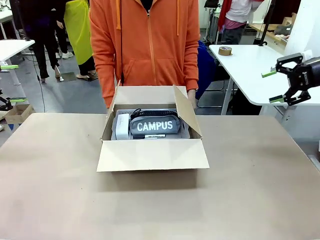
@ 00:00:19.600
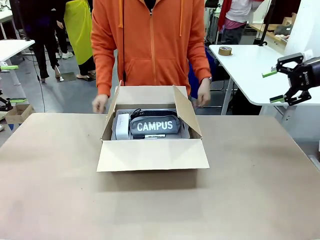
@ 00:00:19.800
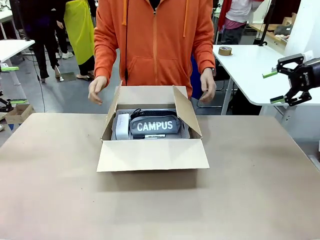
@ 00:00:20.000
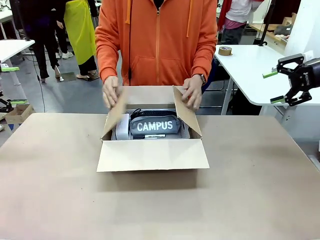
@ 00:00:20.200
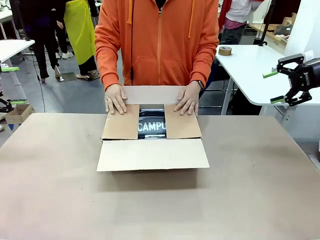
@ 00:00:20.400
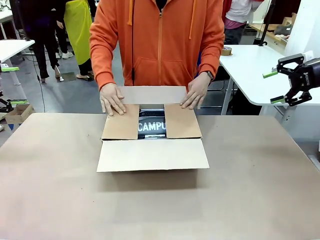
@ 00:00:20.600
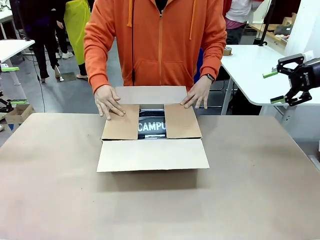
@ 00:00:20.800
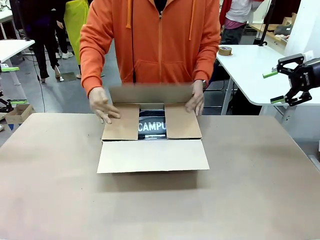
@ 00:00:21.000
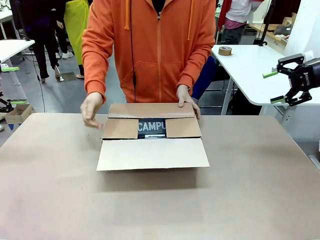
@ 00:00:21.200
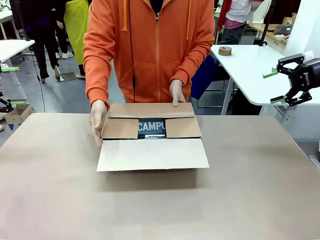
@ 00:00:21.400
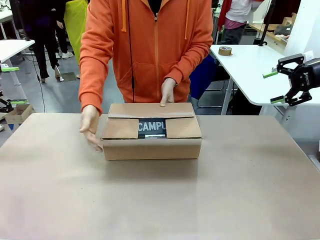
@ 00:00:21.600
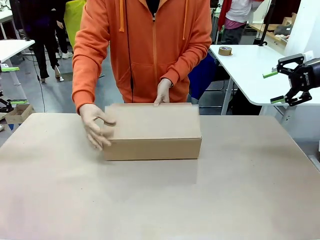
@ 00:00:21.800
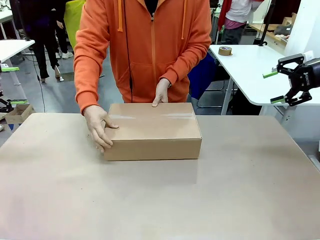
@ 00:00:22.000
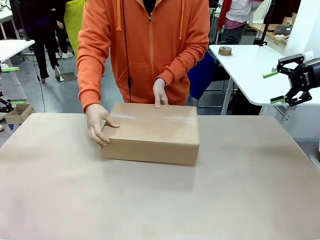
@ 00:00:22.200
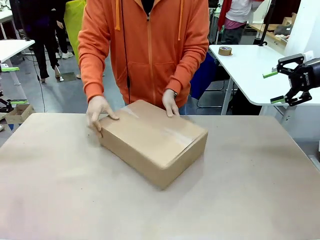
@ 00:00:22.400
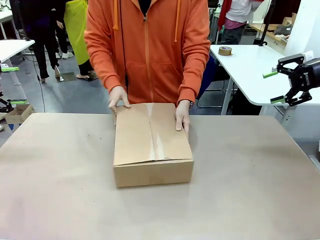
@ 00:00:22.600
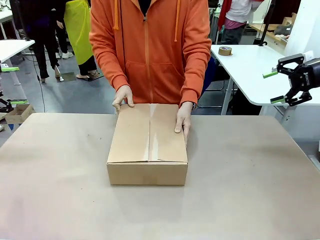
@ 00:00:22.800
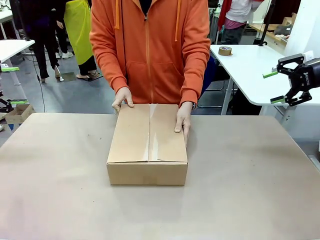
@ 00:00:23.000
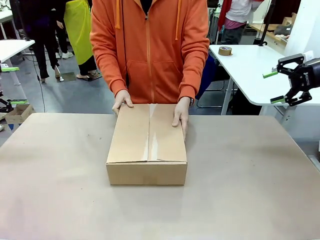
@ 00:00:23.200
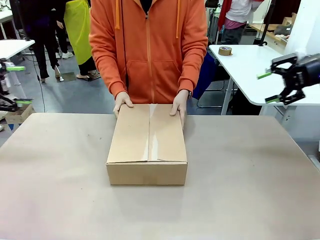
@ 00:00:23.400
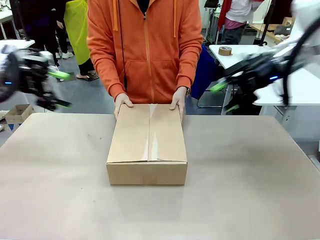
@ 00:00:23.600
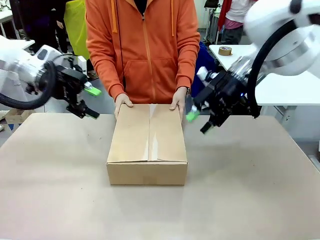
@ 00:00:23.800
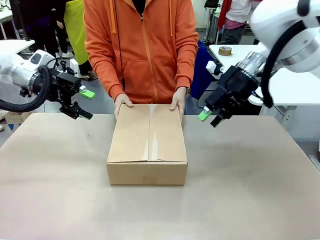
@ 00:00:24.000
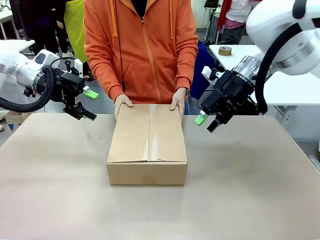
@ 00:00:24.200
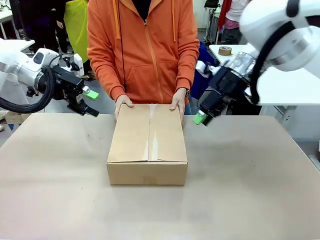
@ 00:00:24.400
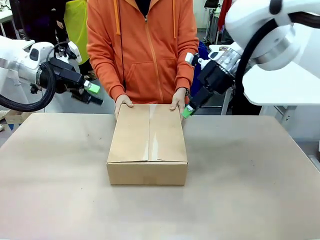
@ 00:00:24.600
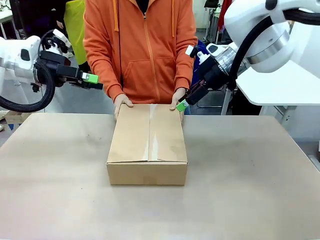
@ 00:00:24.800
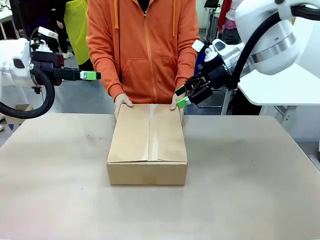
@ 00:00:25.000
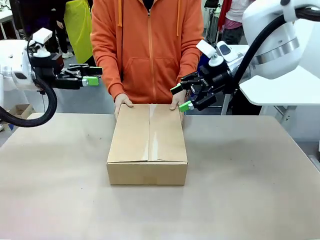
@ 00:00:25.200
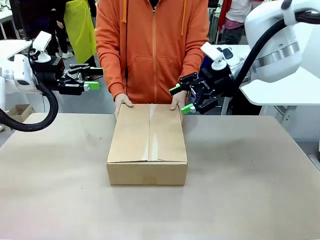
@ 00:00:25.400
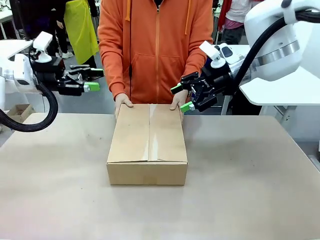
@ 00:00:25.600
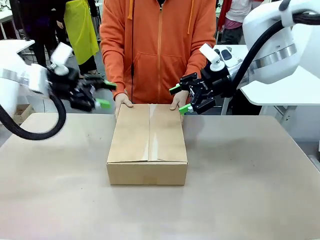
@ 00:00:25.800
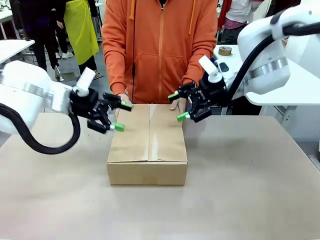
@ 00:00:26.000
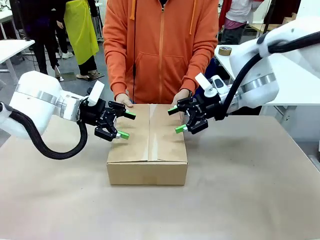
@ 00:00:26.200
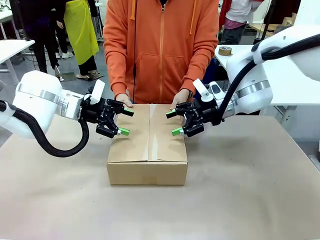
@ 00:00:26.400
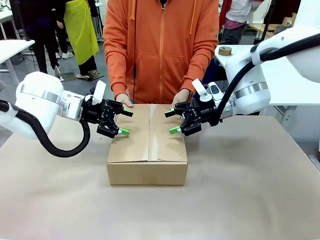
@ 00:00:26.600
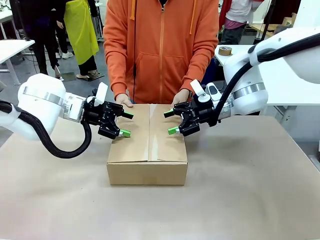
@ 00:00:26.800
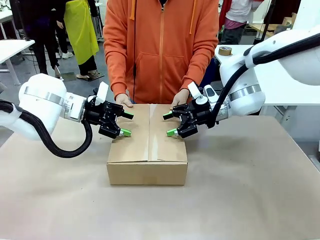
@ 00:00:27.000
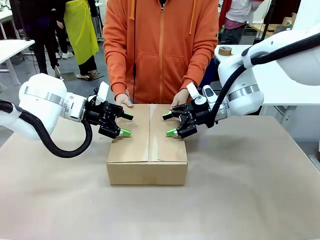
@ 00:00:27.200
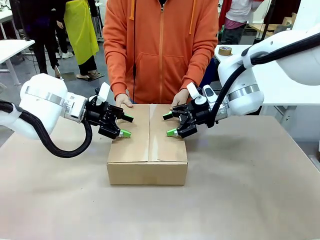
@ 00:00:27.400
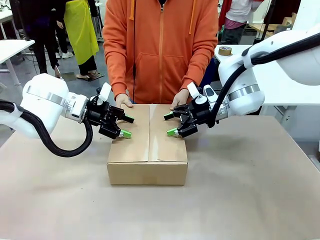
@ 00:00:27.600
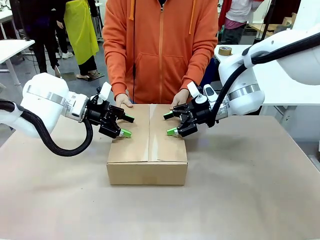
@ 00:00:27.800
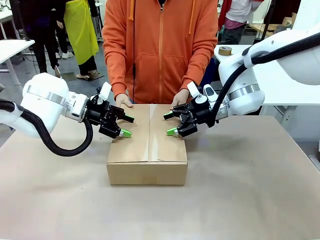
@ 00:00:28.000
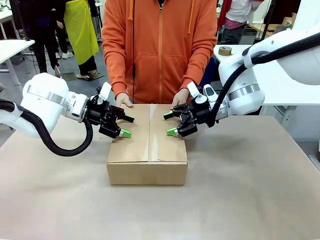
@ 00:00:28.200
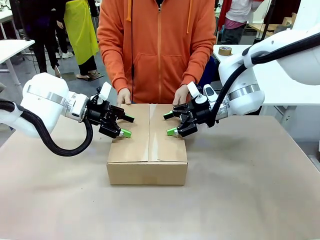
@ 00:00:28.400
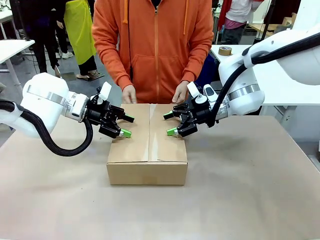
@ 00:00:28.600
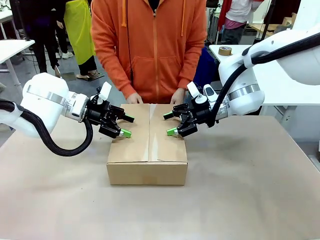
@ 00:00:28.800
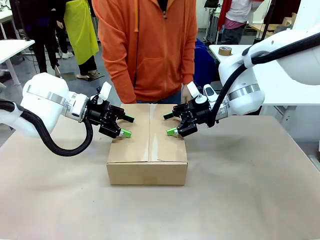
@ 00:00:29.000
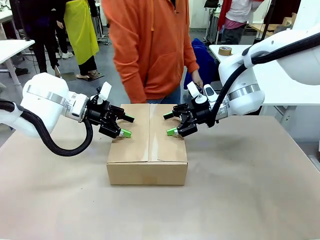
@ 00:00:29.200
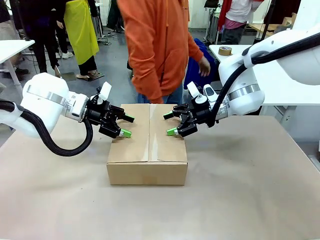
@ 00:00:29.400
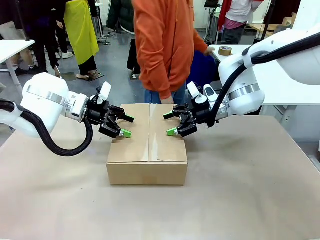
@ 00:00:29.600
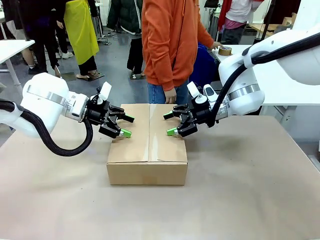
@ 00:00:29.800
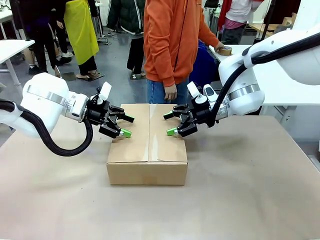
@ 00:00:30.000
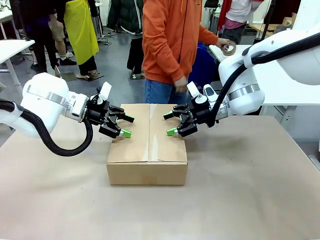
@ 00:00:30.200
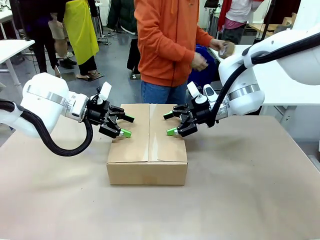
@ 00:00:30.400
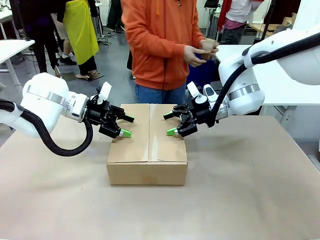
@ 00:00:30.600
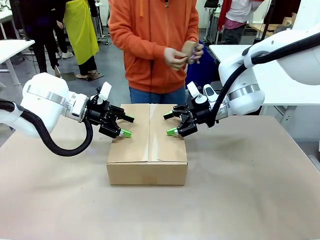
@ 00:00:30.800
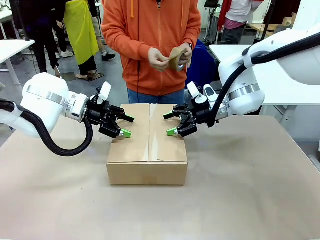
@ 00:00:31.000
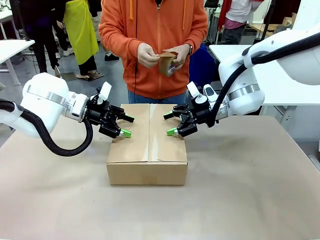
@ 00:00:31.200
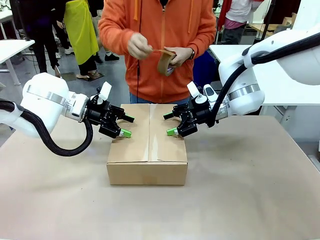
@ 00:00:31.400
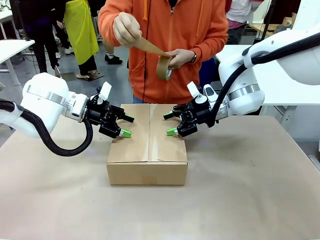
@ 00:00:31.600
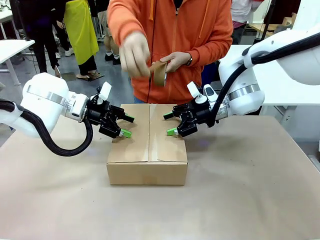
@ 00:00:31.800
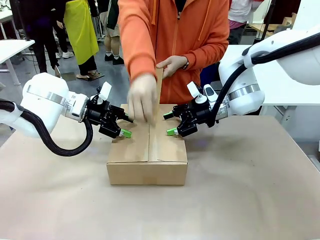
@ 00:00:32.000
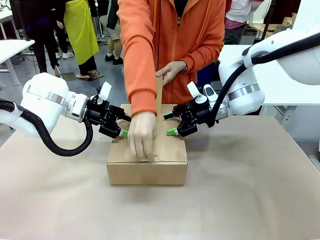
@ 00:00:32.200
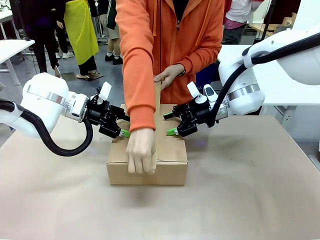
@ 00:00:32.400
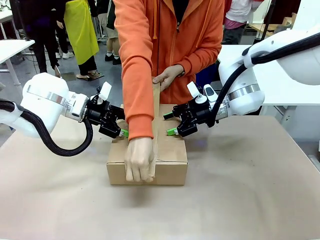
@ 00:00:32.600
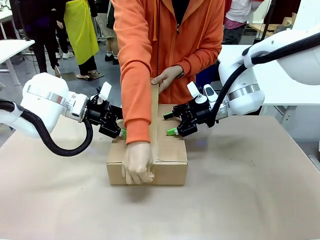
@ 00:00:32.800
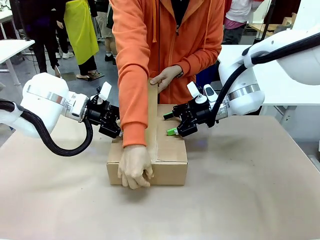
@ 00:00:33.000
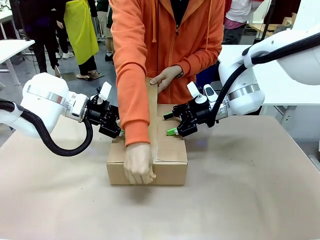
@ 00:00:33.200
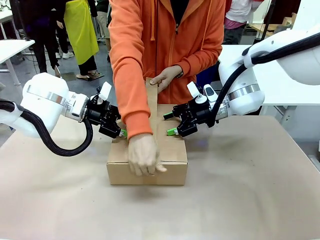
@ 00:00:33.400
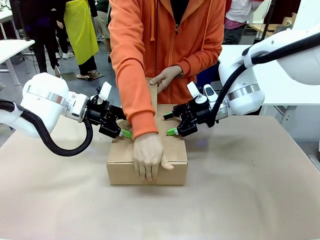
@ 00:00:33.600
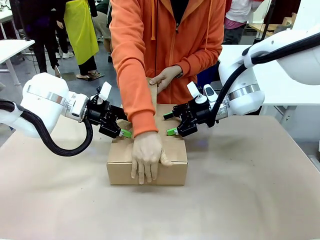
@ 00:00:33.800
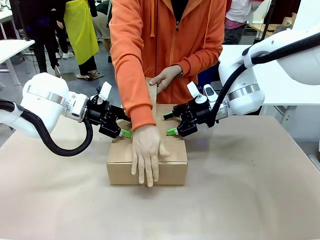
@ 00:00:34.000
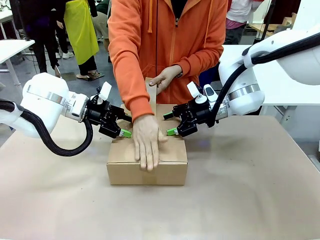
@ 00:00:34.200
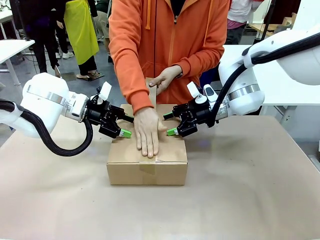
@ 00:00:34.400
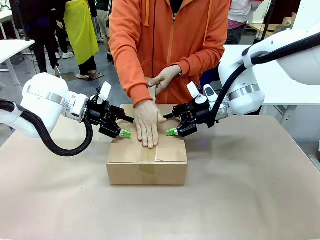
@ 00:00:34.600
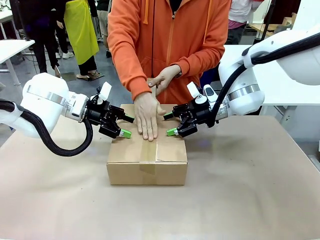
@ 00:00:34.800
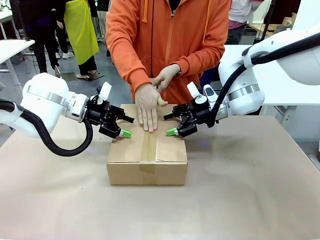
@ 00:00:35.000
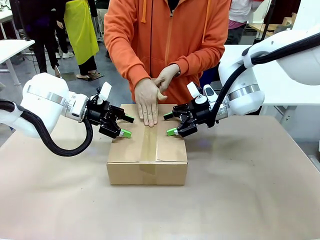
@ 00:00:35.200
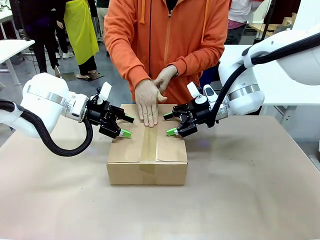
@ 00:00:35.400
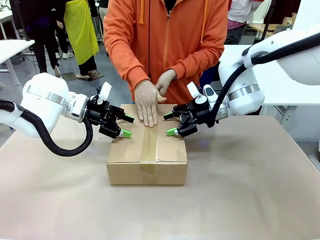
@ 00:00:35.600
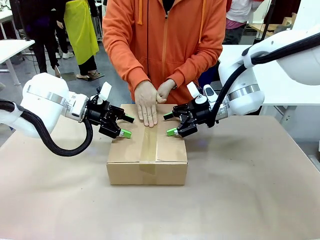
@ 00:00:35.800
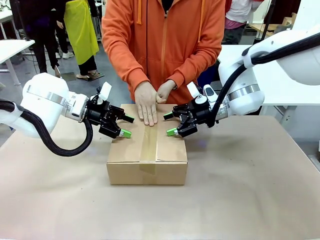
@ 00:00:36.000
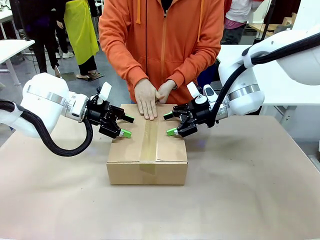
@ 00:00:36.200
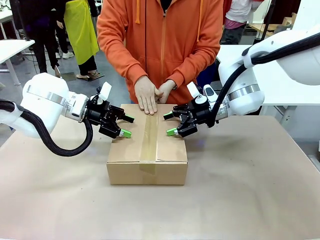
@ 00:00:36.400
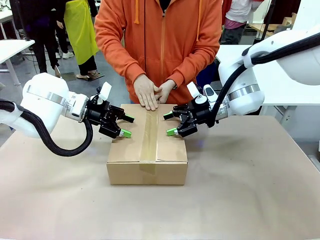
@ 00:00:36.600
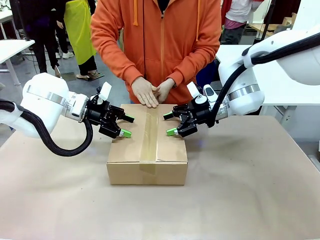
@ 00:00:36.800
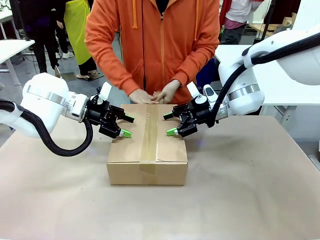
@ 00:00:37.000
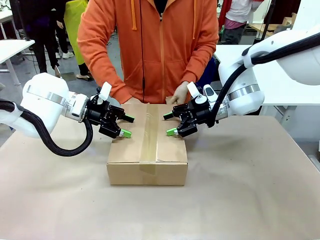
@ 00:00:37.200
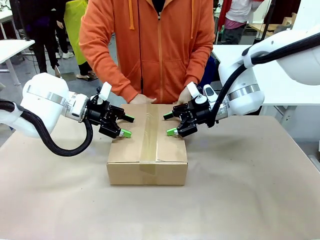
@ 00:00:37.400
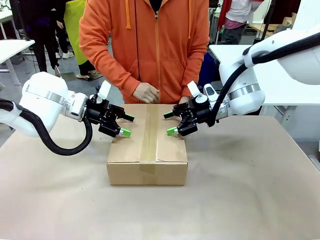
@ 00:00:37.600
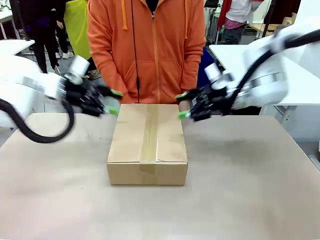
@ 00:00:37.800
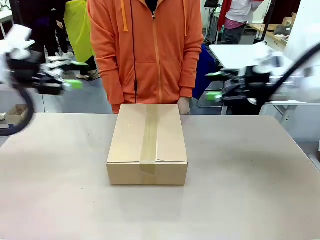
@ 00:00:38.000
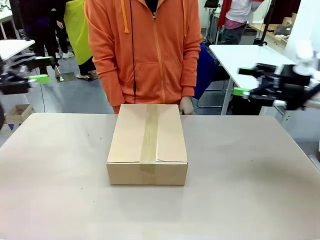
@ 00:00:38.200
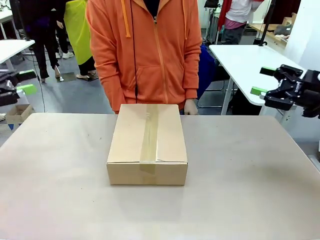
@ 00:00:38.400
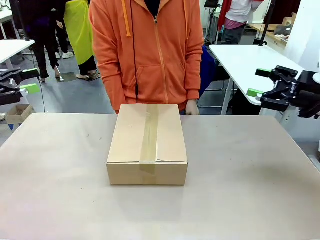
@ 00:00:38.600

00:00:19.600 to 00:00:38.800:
Task: Pack the gift set into the box.
Robot: Press and hold the closed box until the human finishes sealing it.
Person: The human closes the box and rotates the box by 90 degrees. The human picks up the paper tape from the human table and packs the box.
